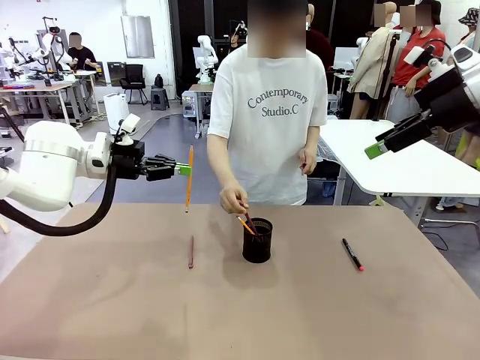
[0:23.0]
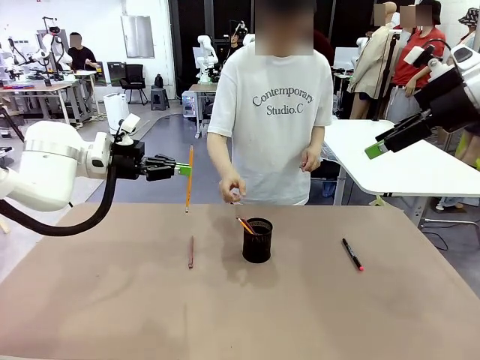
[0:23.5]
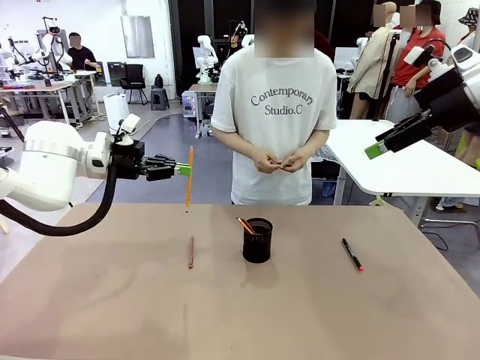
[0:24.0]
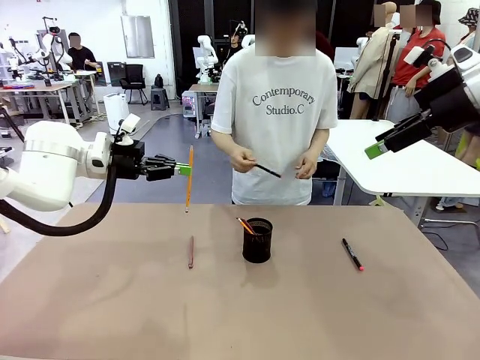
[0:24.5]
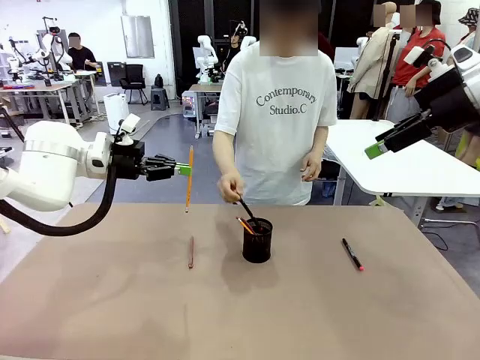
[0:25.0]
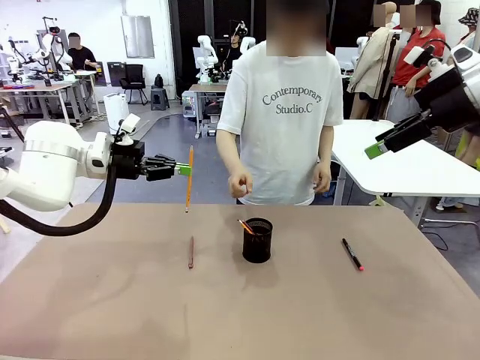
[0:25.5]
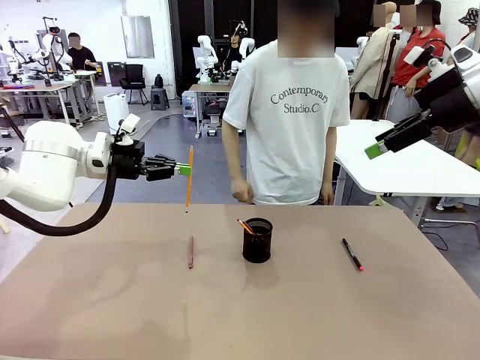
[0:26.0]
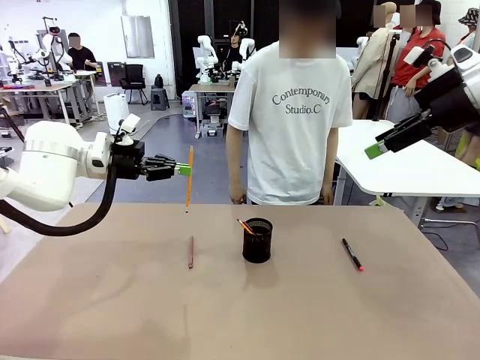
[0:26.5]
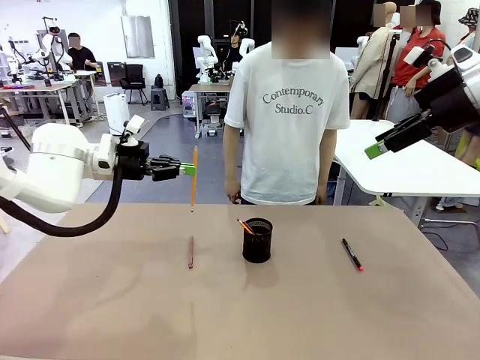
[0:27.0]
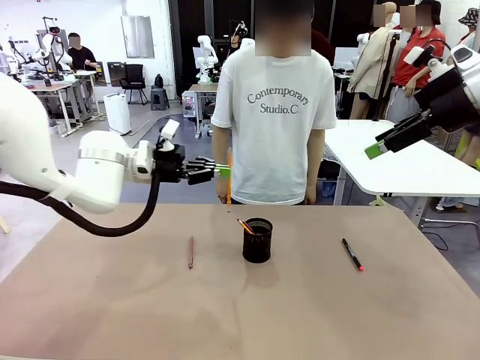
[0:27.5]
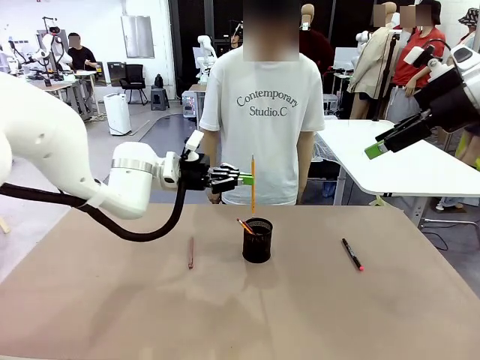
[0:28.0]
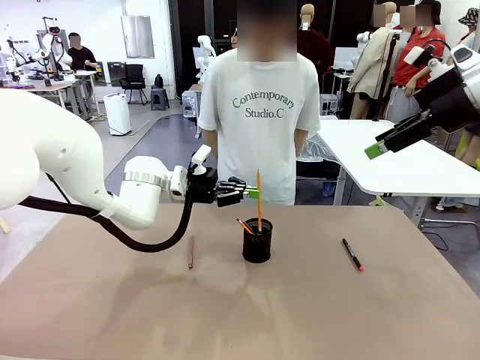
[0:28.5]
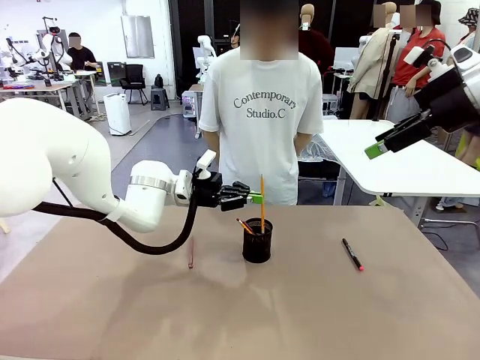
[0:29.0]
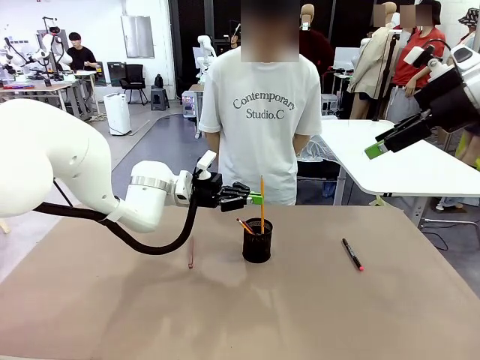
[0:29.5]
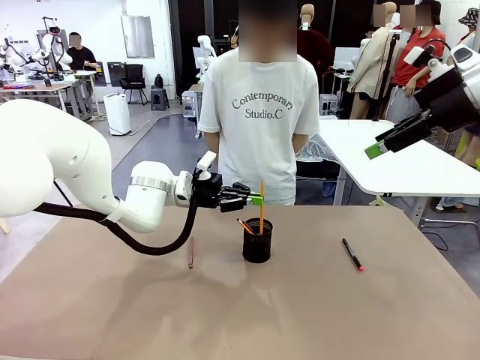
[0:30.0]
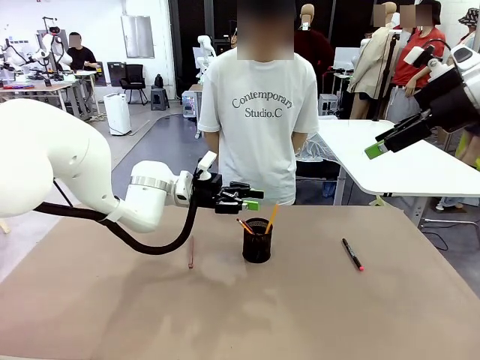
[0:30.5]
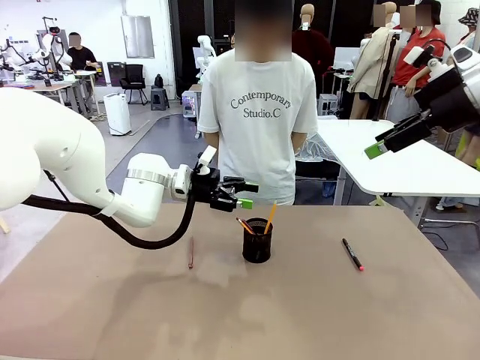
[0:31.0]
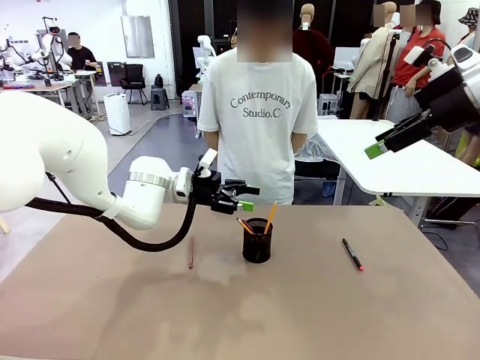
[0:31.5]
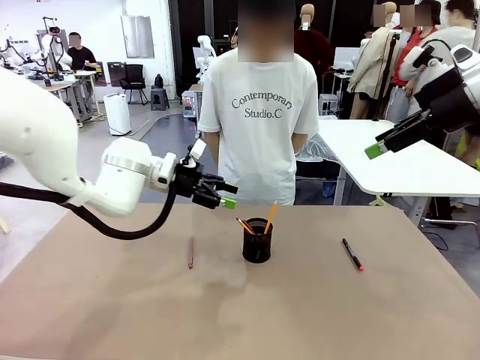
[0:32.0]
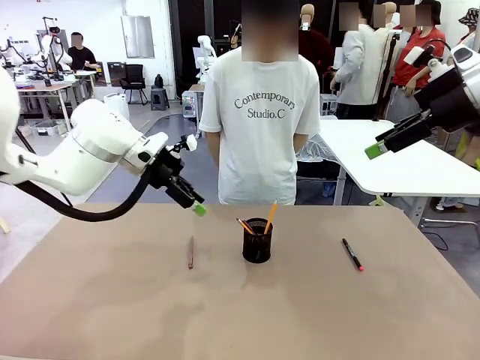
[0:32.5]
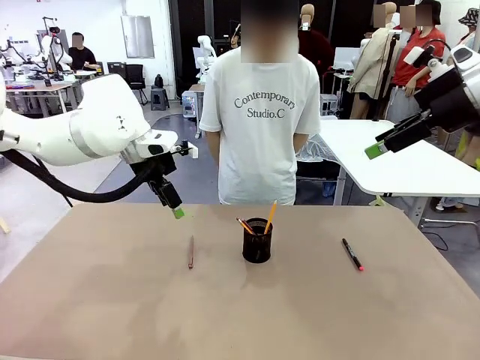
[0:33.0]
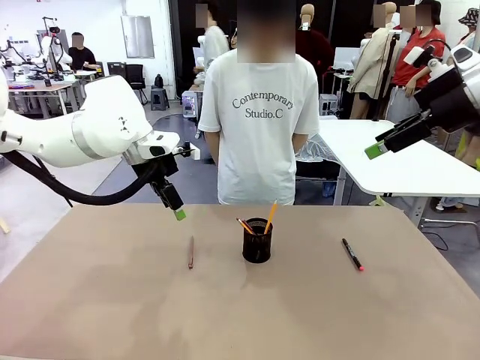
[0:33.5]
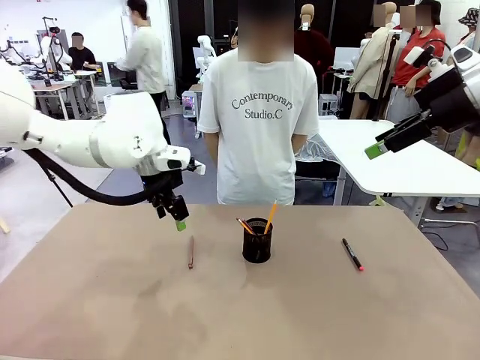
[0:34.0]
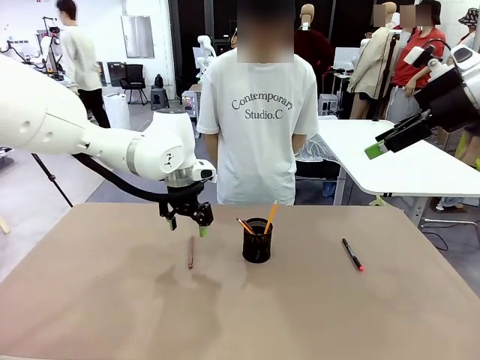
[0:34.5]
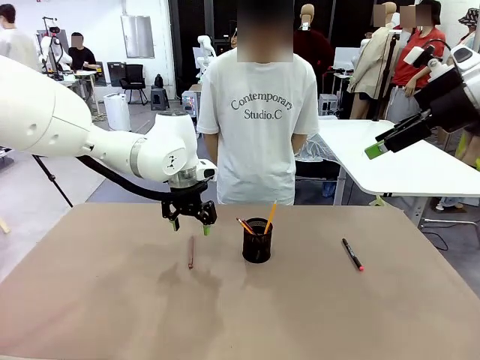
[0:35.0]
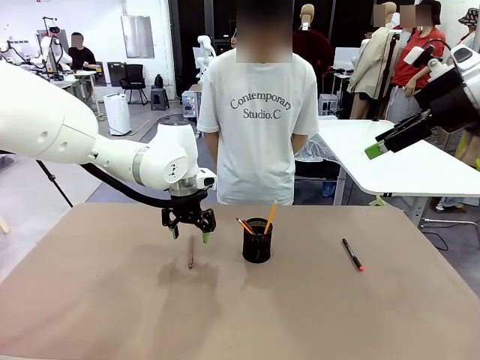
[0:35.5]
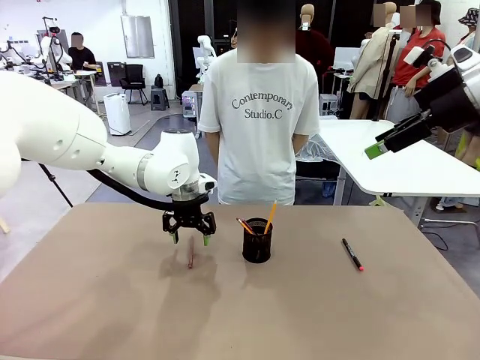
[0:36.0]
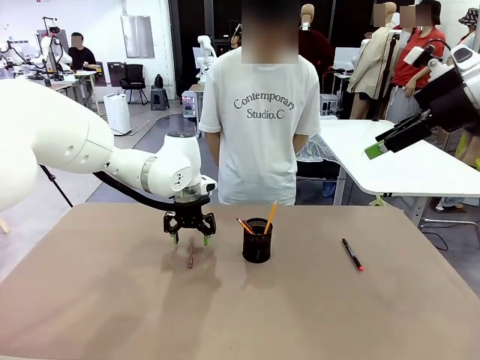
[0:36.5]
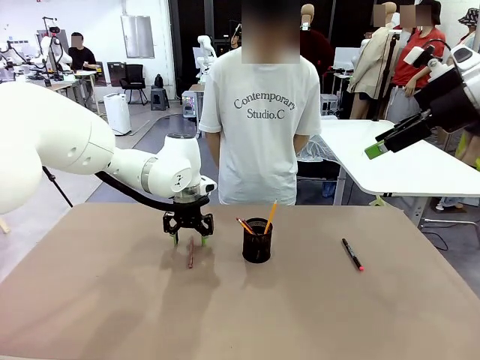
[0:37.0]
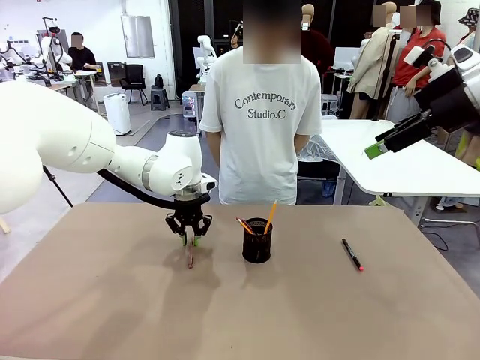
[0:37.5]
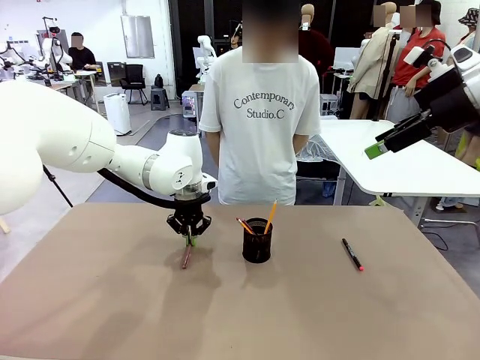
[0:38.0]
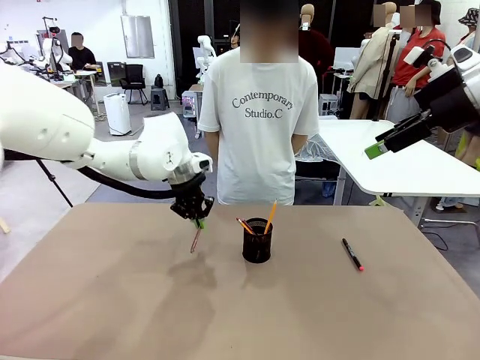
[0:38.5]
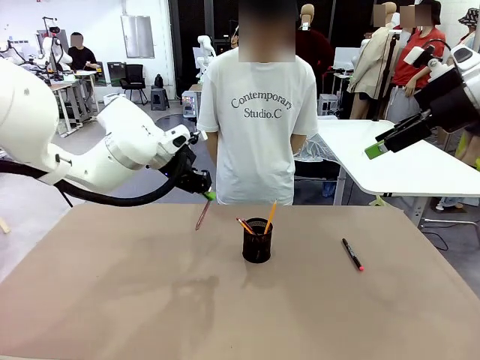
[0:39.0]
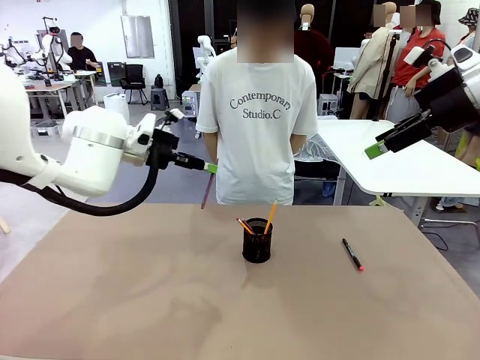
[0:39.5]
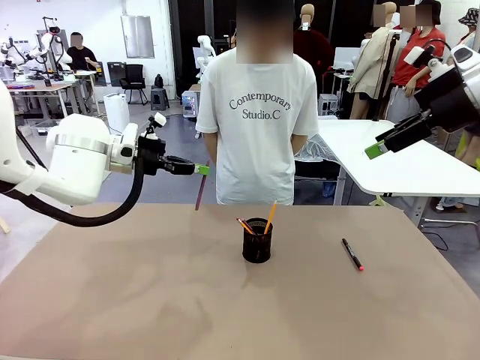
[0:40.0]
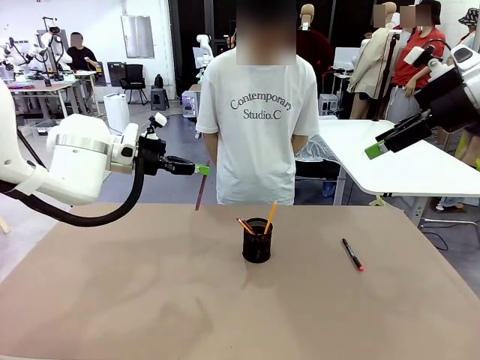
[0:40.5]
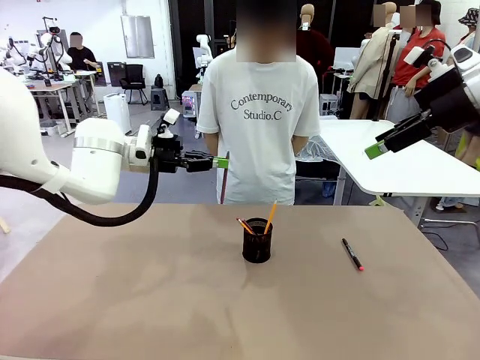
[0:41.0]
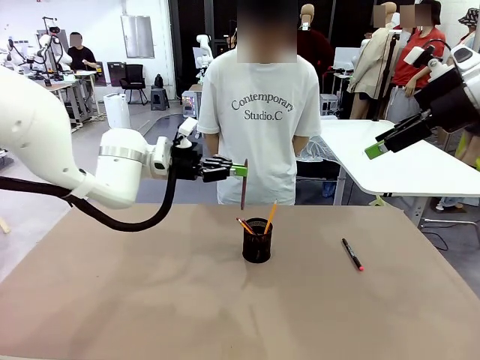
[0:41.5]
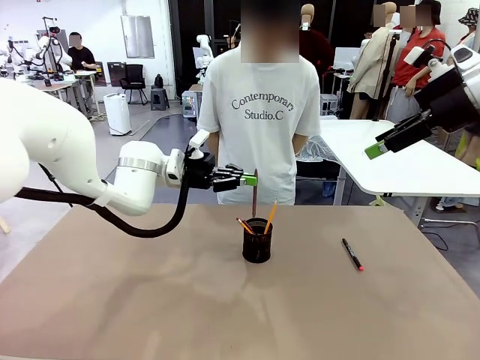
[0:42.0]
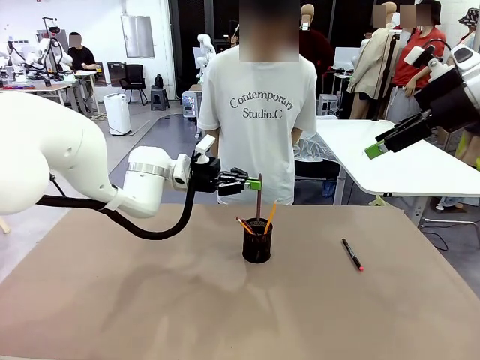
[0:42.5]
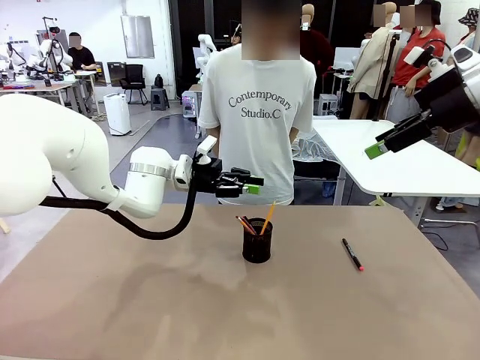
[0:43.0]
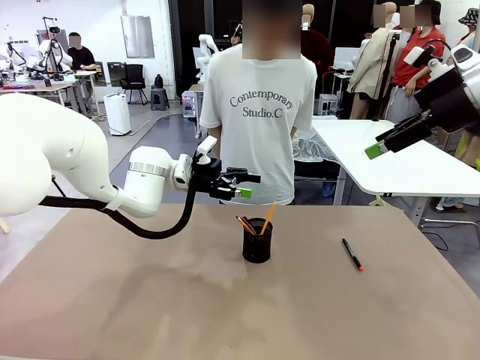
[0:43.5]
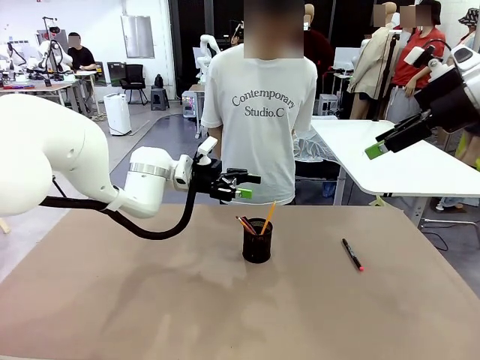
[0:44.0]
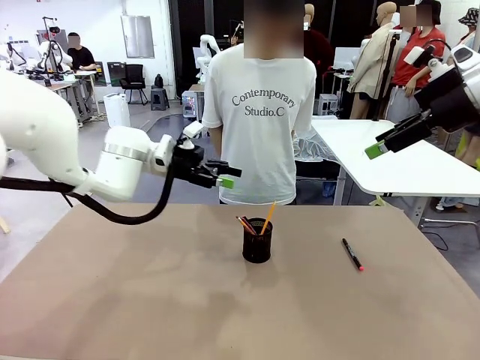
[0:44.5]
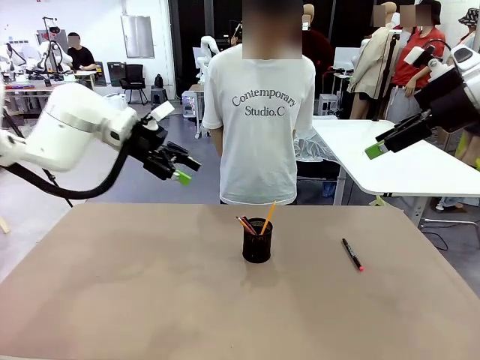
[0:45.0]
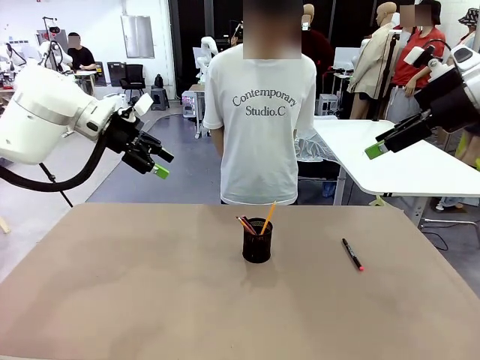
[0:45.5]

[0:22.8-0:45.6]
Task: Place the pens into the pen holder.
Robot: Pick up a writing instrument from the table and place it into the Pen holder.

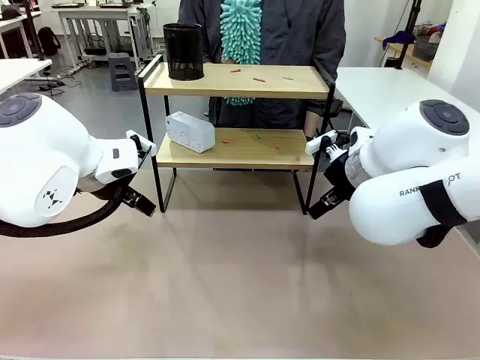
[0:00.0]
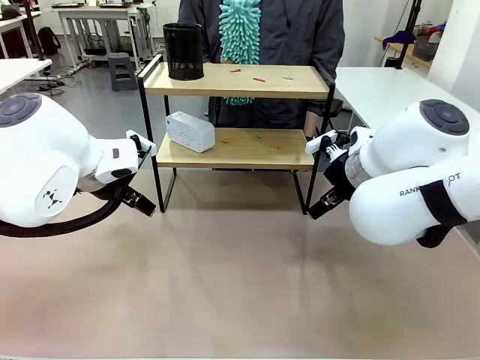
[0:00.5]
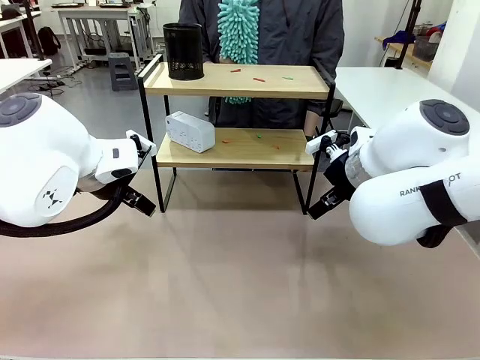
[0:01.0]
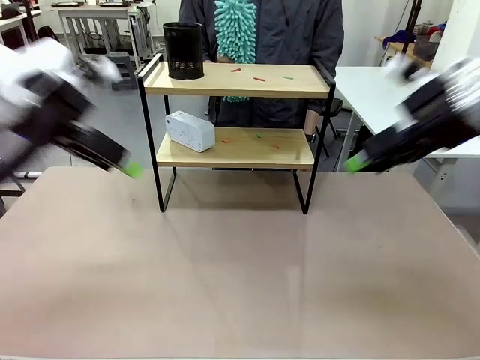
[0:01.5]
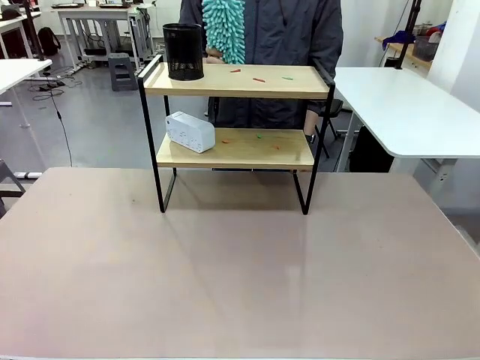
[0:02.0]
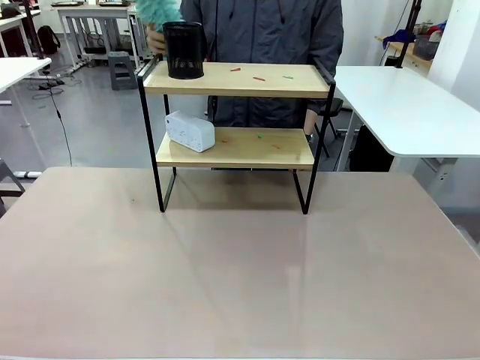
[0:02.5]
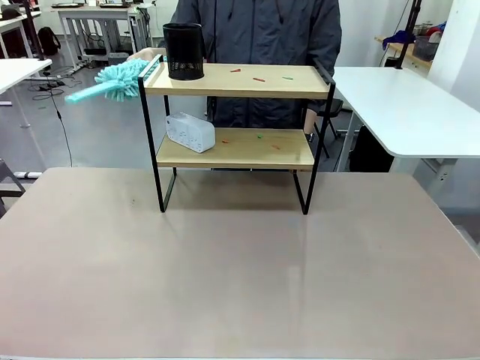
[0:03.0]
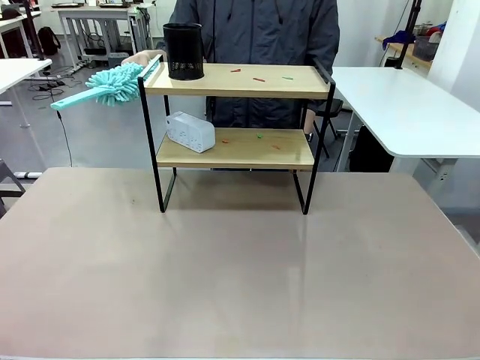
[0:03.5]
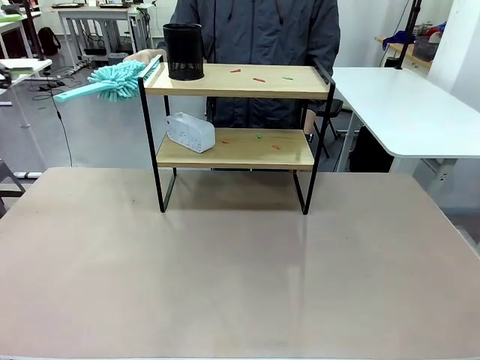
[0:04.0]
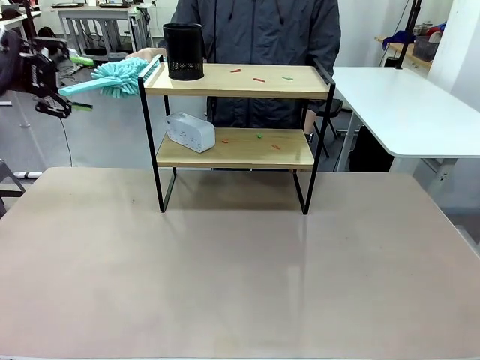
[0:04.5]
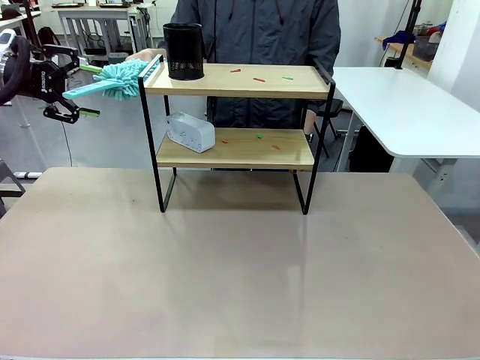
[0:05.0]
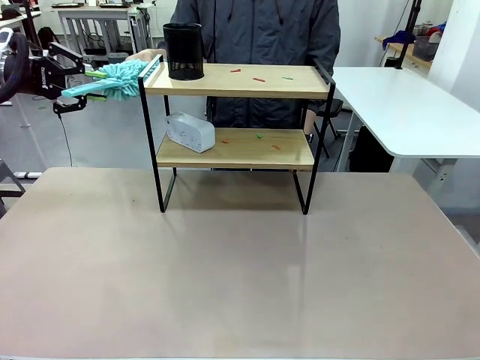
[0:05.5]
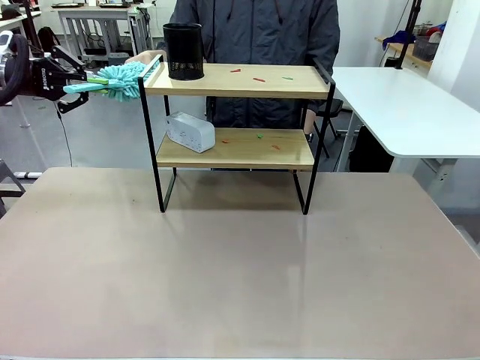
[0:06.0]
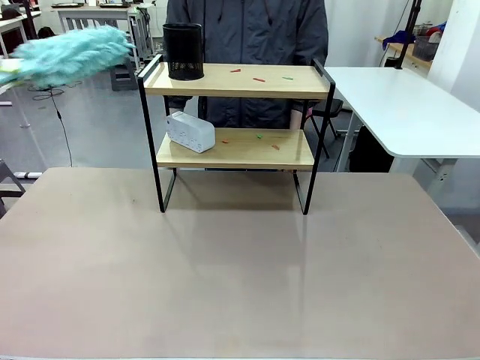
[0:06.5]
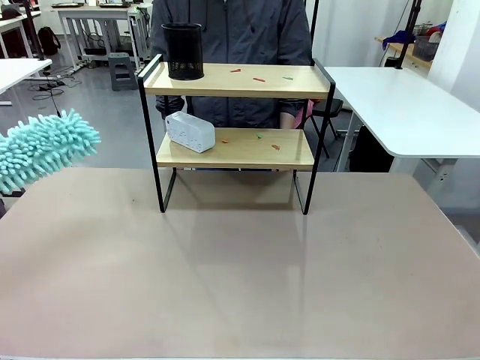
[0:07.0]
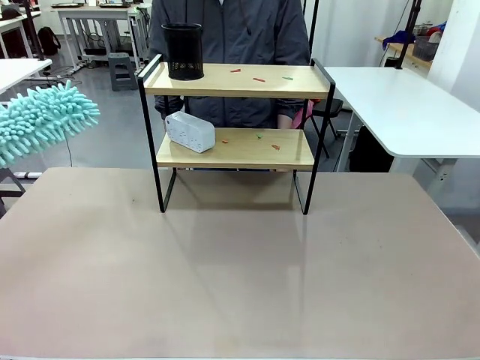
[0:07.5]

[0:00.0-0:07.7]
Task: Clean the shelf.
Robot: Pick up the Duster from the human.
Person: Hand the Duster to the robot.
